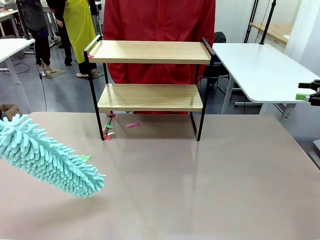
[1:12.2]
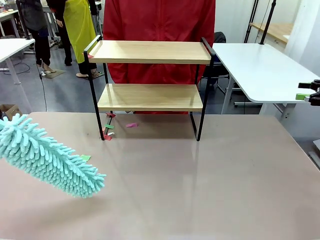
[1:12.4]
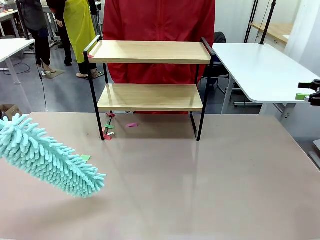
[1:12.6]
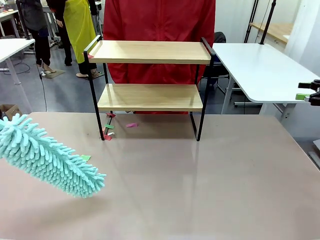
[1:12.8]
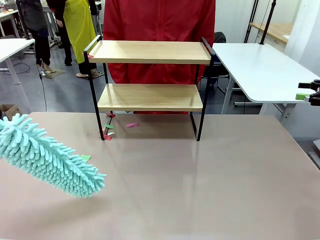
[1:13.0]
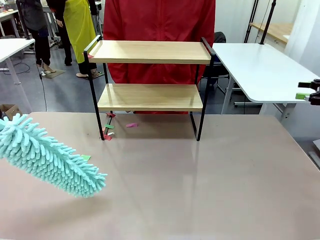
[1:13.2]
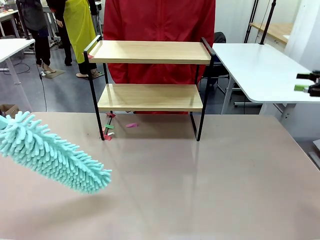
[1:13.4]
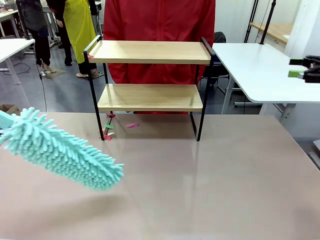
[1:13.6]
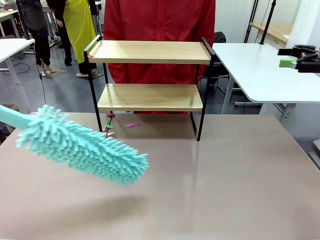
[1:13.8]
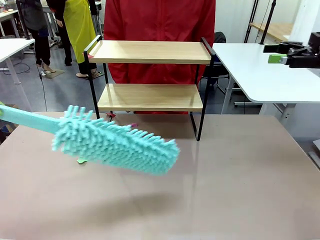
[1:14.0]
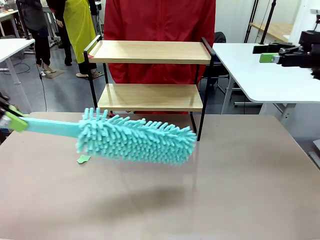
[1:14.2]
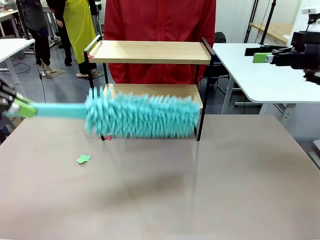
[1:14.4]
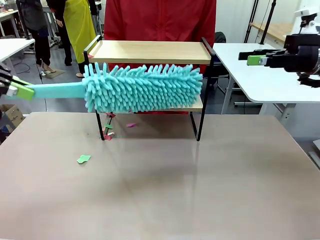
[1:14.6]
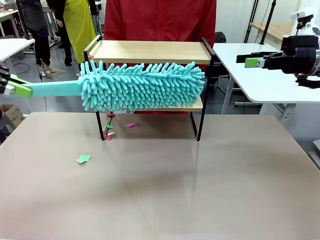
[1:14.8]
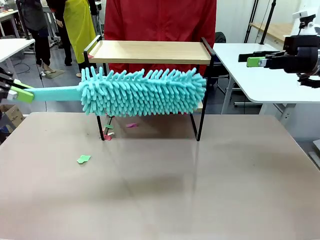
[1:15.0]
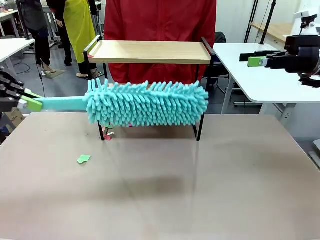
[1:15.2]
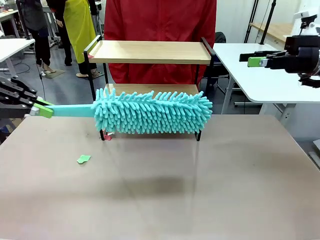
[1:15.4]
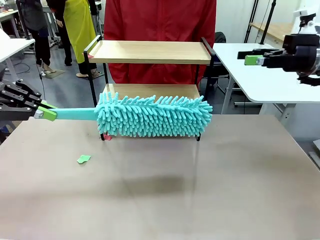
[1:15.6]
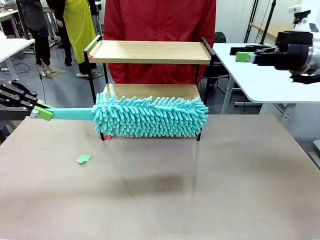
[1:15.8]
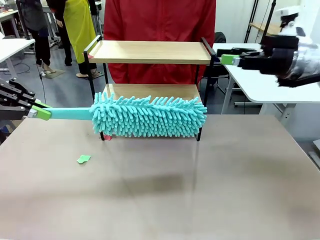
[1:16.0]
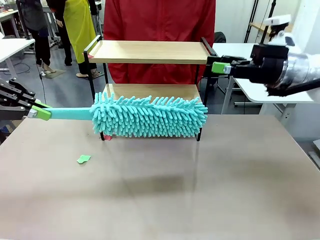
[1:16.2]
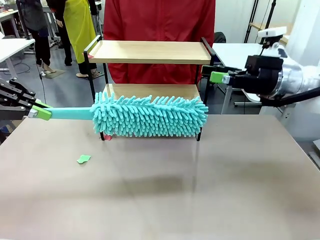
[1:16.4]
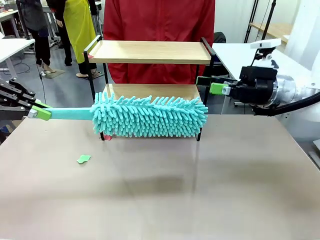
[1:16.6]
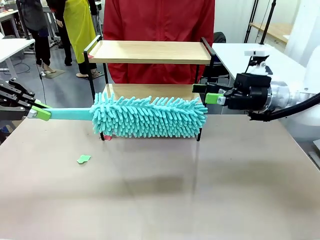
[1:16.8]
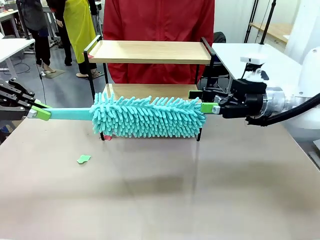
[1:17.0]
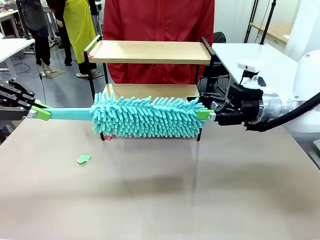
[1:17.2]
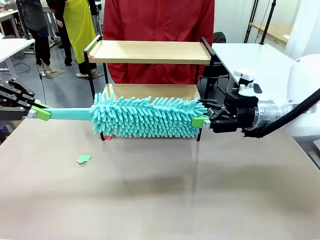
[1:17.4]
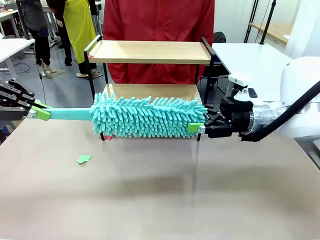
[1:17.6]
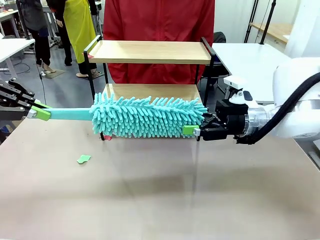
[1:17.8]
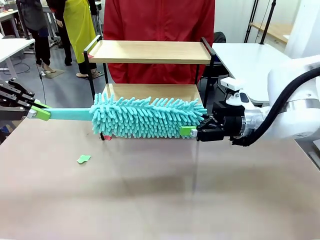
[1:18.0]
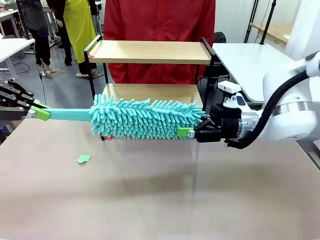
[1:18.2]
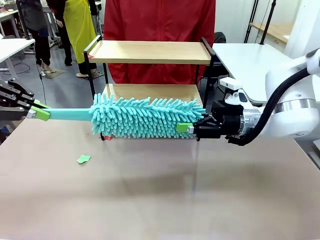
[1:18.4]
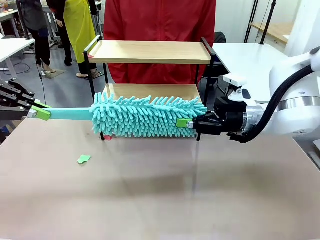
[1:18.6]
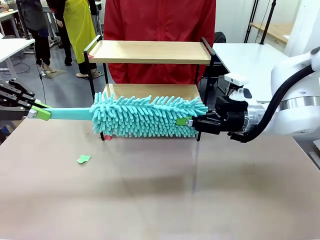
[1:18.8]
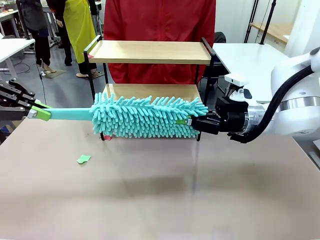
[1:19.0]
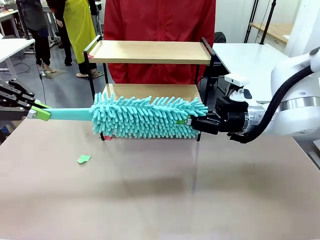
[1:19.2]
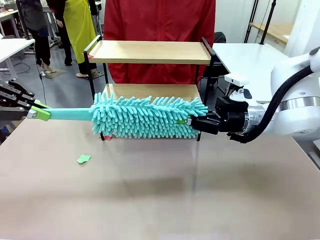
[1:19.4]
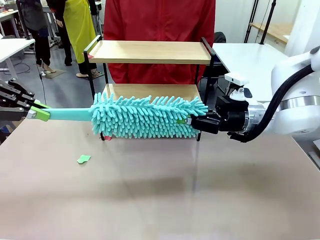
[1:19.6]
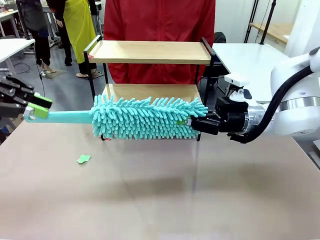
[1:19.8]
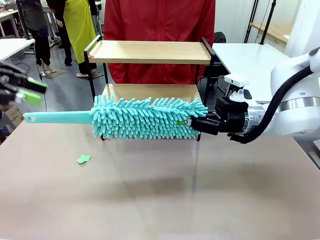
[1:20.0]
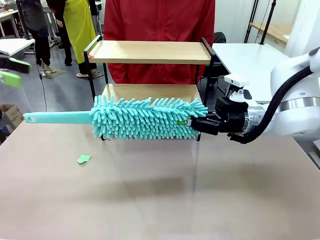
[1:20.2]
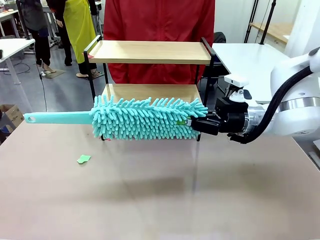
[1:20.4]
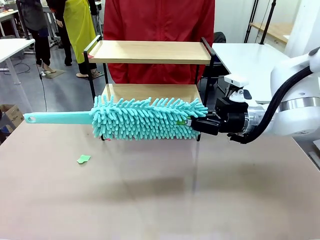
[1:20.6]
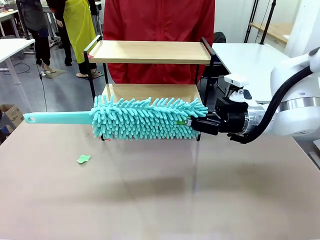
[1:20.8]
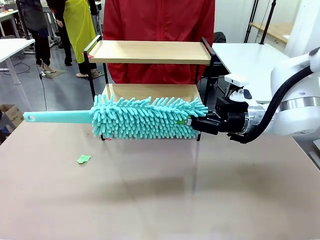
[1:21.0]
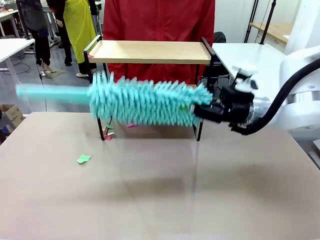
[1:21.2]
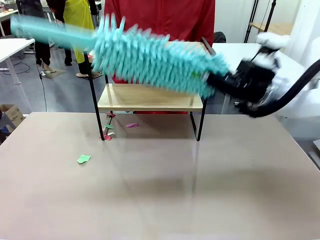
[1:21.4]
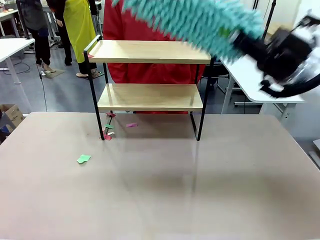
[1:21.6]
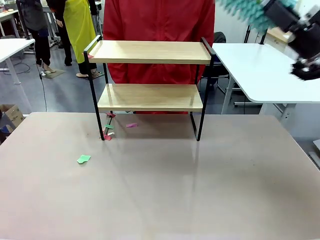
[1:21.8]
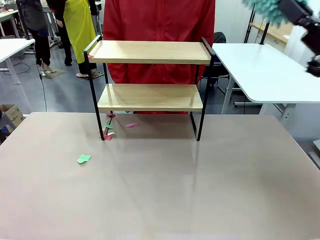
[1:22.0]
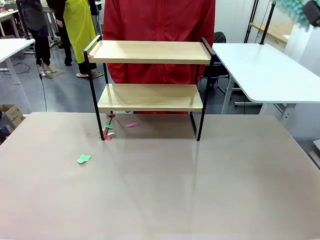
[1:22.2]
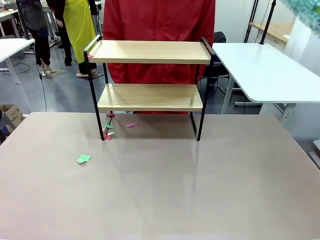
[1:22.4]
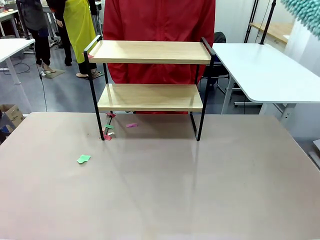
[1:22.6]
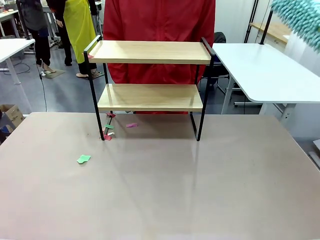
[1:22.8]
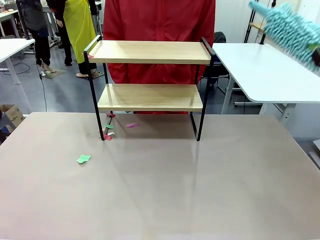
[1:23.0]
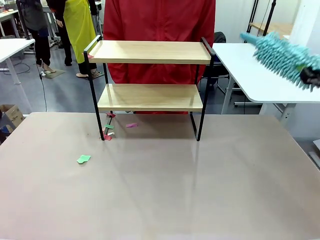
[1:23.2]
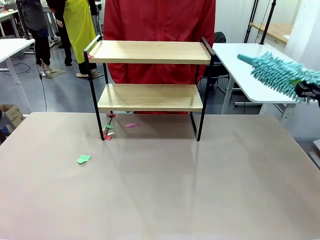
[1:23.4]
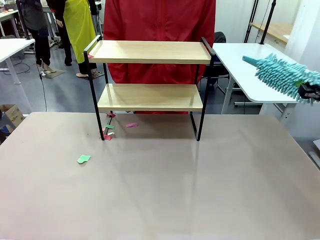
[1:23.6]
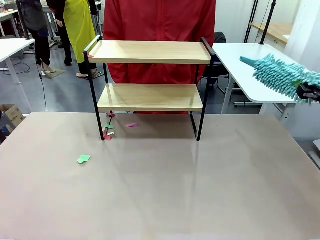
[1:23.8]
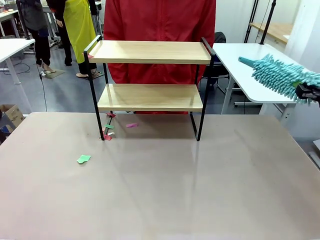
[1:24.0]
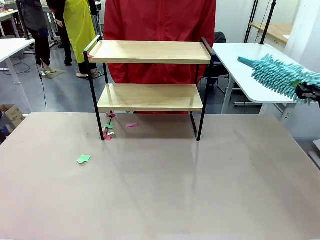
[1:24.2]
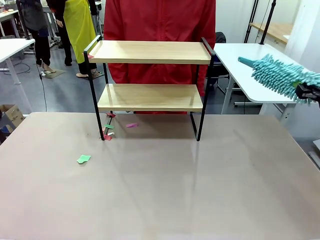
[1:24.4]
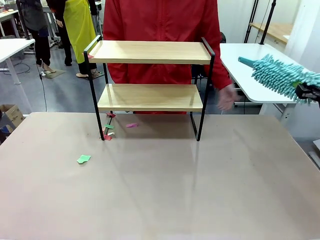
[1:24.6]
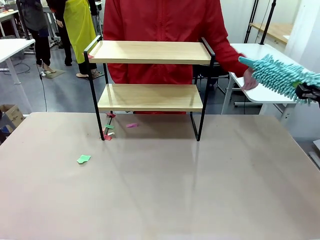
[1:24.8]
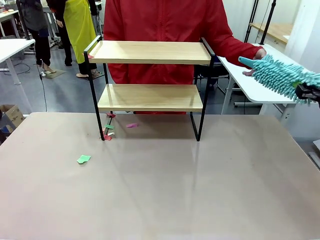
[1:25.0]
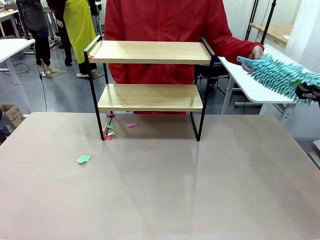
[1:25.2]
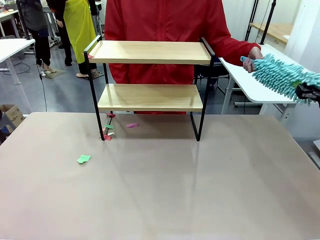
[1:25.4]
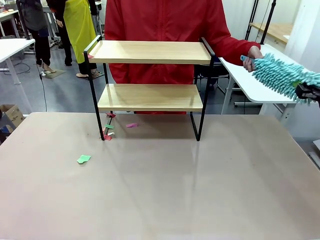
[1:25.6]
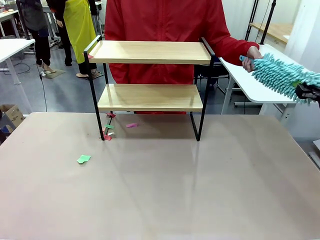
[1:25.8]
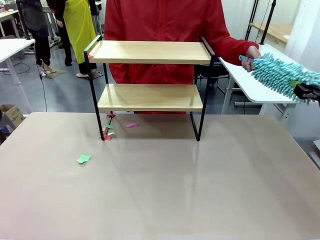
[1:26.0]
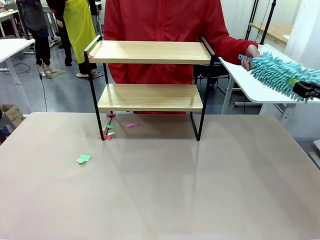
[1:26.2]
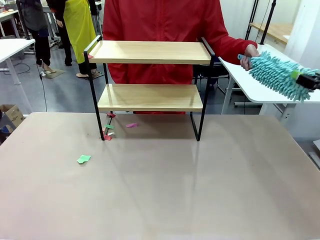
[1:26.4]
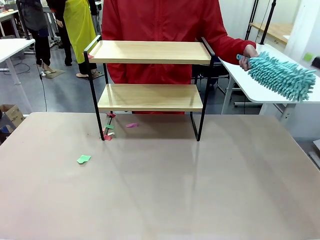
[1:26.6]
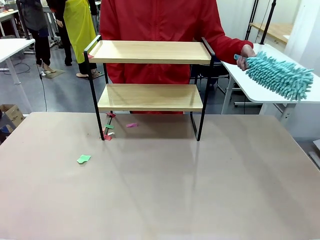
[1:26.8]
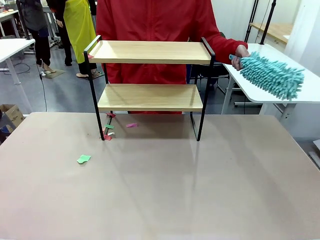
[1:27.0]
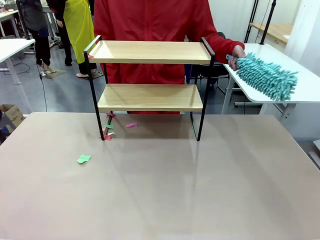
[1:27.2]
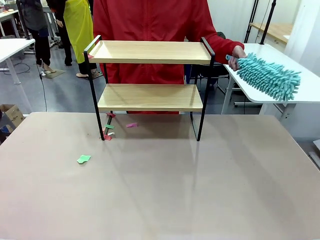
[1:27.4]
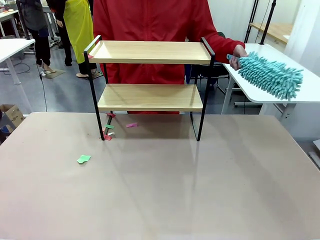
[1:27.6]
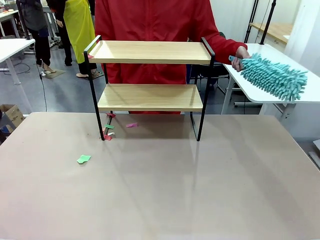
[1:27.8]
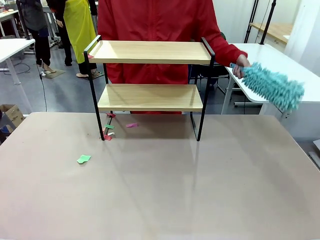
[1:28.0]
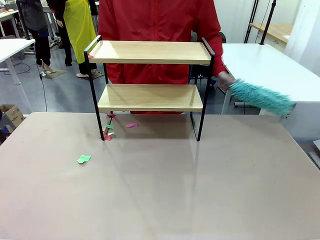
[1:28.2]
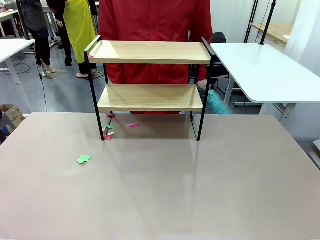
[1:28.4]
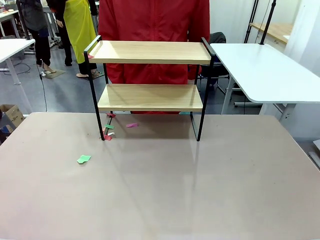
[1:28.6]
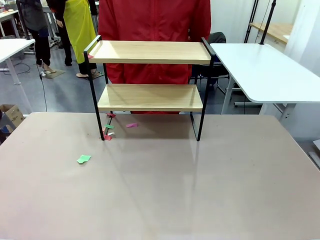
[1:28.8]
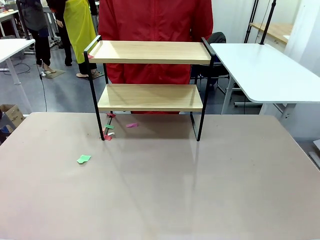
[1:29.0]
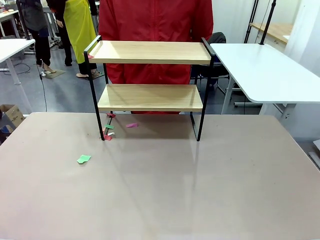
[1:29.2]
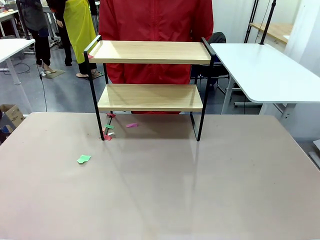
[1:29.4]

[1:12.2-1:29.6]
Task: Clean the shelf.
Robot: Hand the Duster back to the human.
